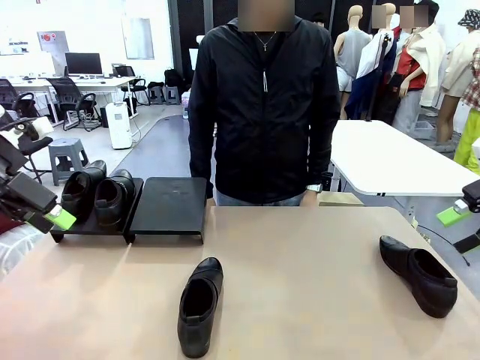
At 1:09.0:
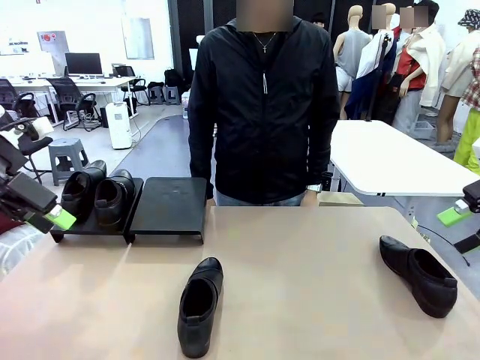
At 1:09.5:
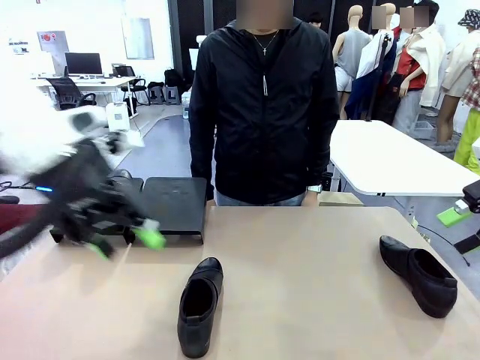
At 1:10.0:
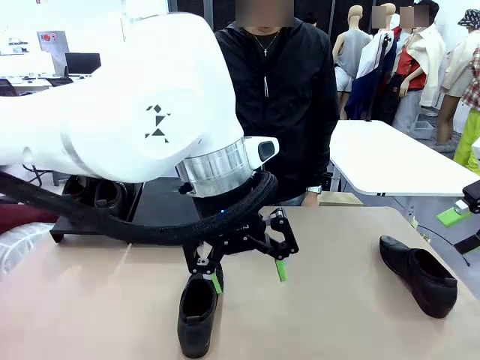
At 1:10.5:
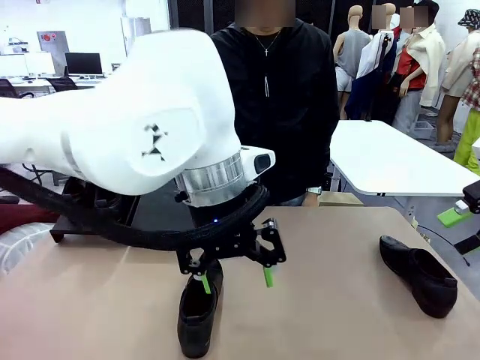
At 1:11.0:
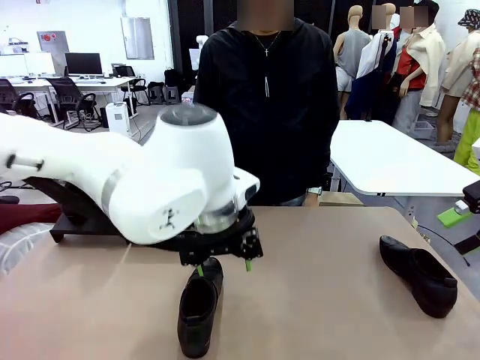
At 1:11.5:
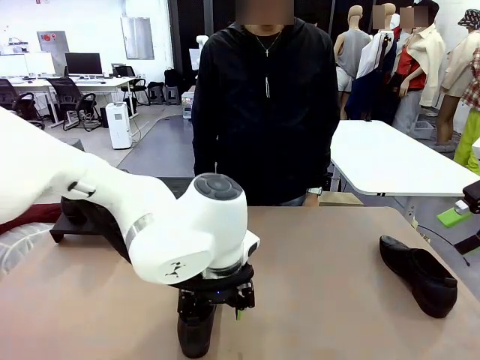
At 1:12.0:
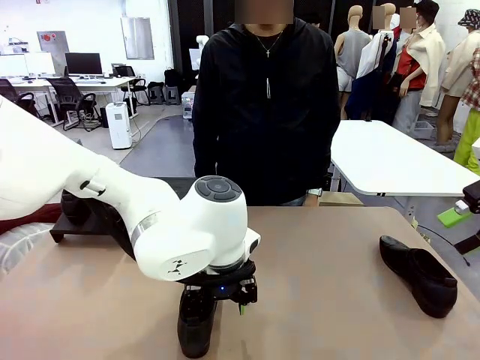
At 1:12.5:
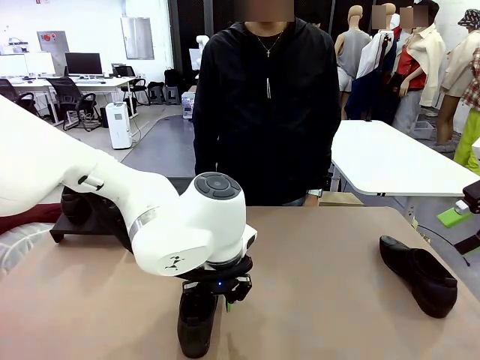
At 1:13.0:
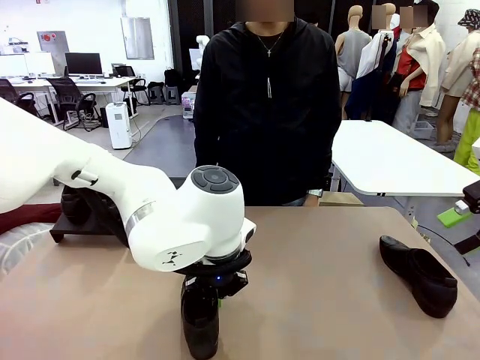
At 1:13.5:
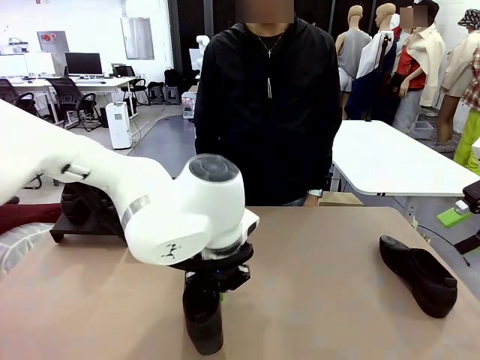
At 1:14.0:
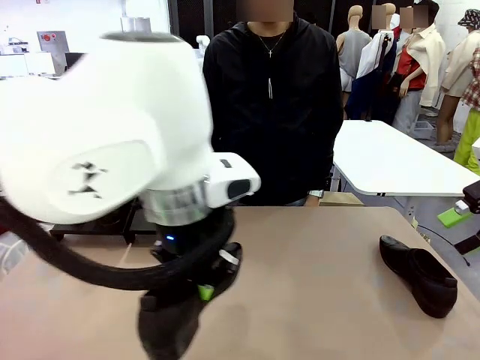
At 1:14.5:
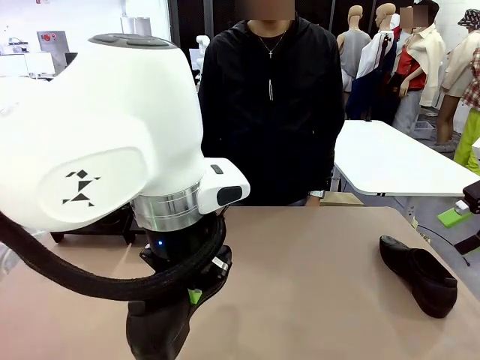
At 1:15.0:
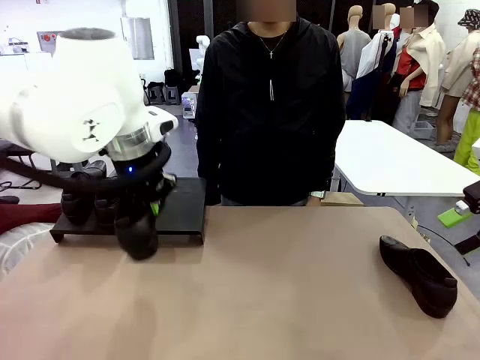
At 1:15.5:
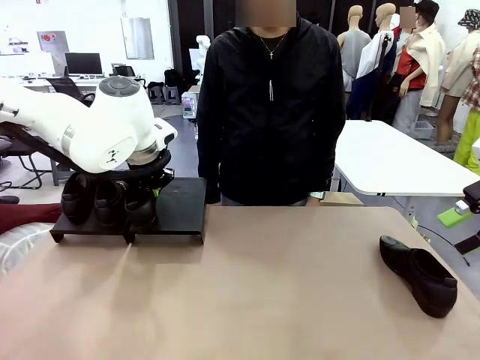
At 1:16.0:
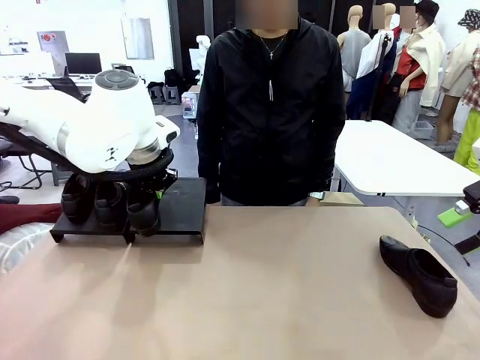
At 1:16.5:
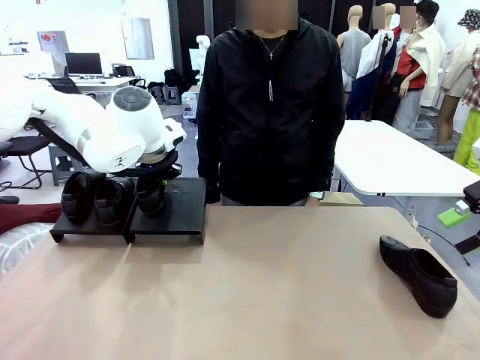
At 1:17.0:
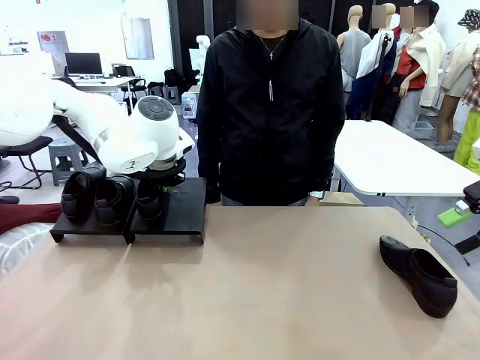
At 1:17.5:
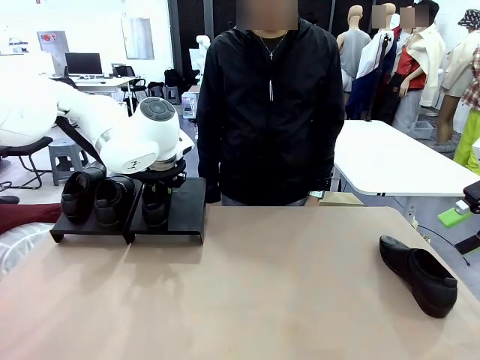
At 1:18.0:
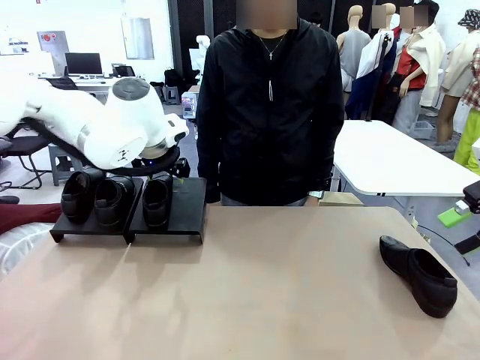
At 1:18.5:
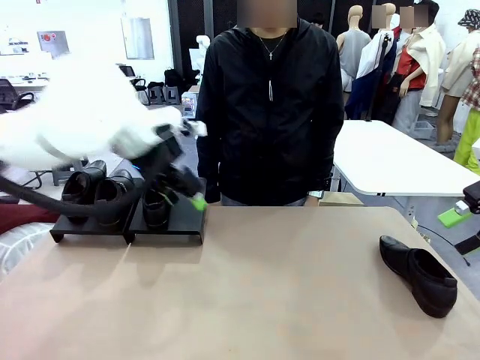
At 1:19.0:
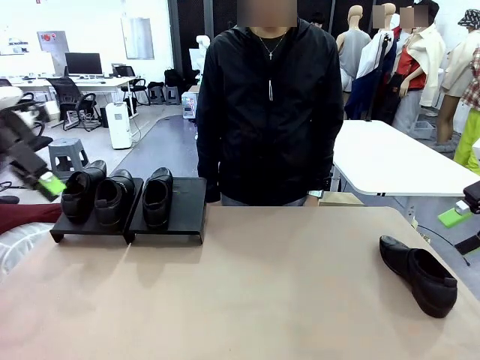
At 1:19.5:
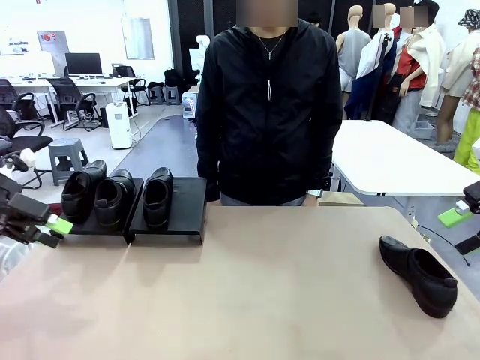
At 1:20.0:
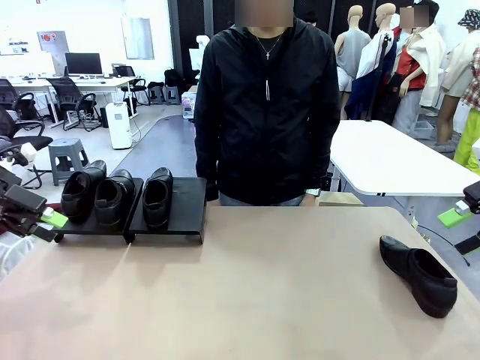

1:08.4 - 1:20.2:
Task: Organize the shoes by placing them on the stand.
Robot: Place the Shoe from the middle of the table onto the Shoes Stand.

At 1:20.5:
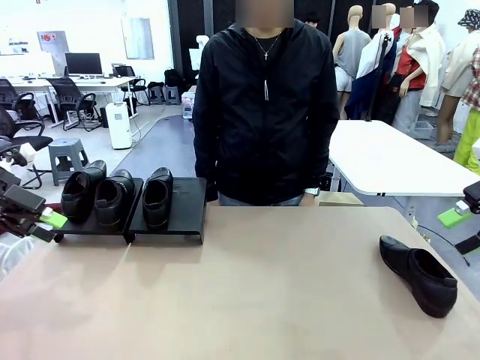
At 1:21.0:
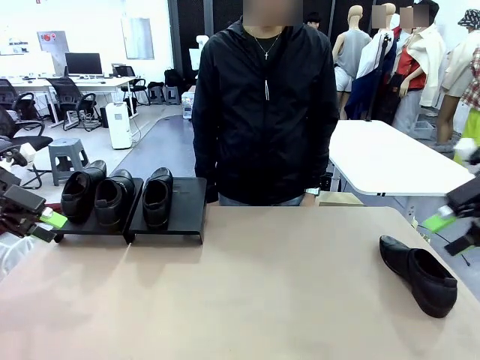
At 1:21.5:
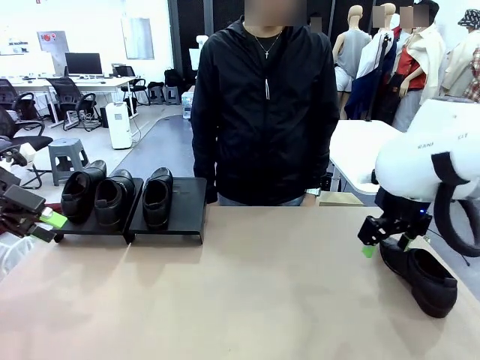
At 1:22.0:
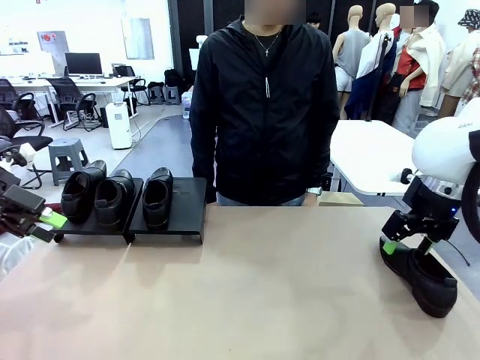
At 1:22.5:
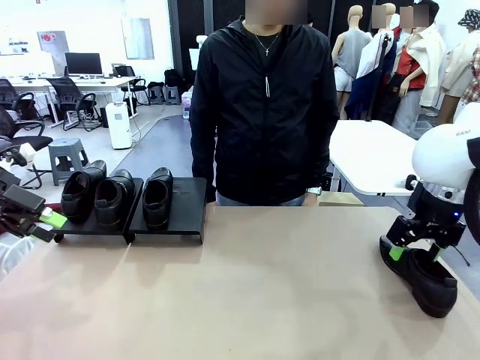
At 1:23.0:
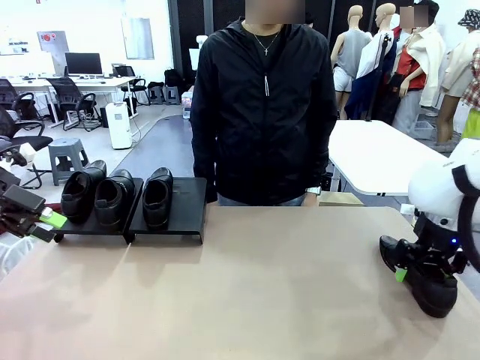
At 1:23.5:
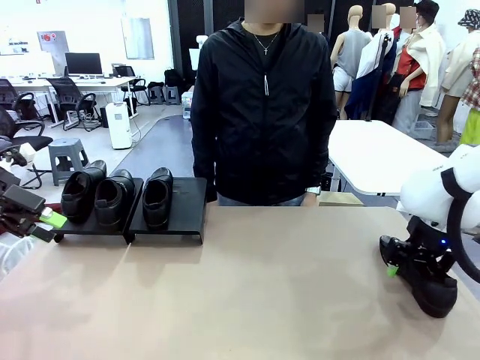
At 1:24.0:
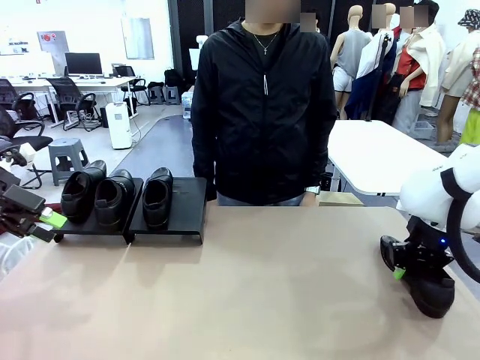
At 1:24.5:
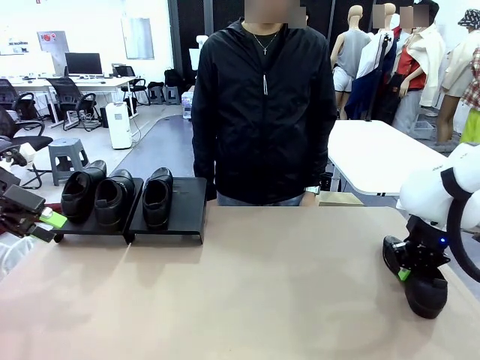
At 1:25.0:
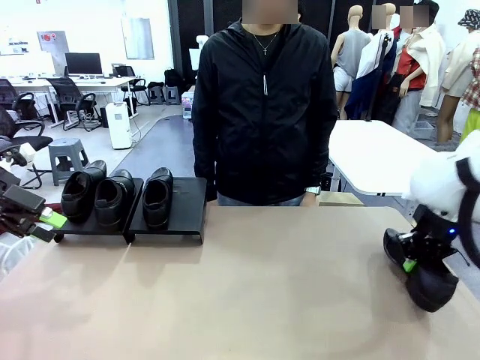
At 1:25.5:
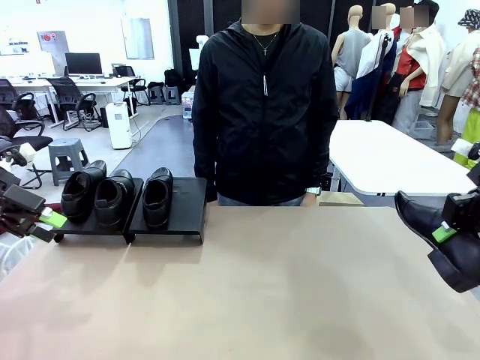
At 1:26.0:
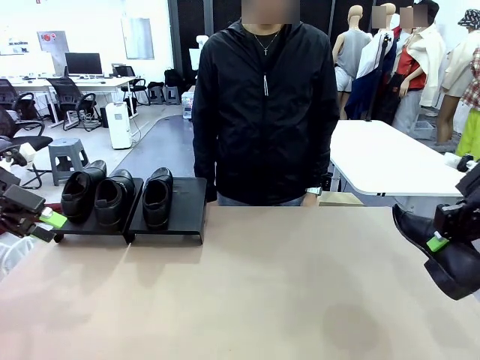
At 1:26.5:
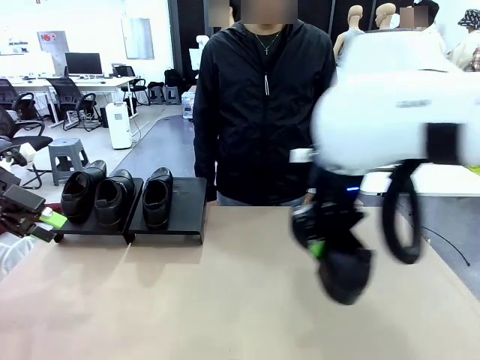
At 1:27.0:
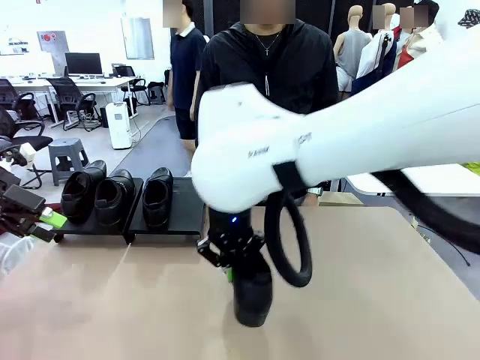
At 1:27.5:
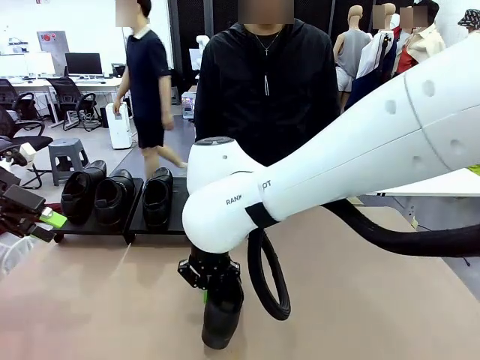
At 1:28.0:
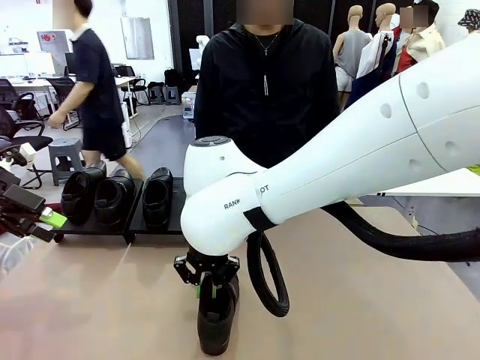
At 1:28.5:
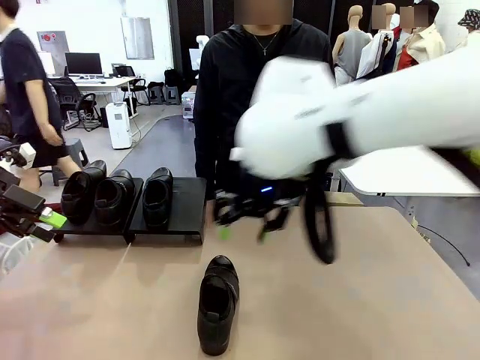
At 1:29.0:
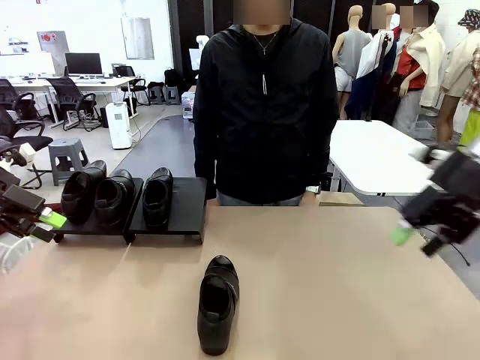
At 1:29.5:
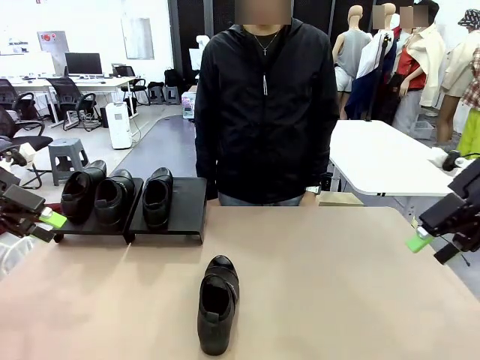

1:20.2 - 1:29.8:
Robot: Pick up one Shoe and place it in the middle of the table.
